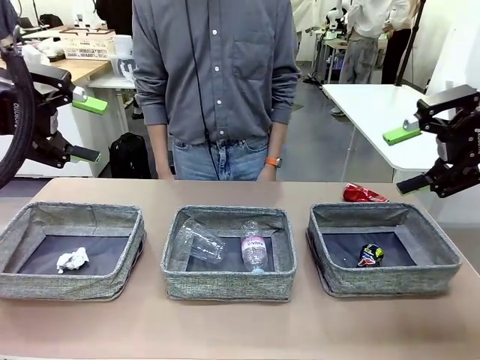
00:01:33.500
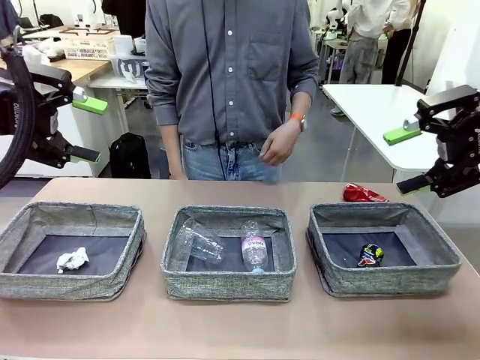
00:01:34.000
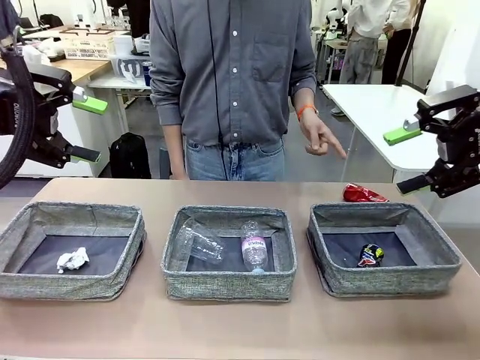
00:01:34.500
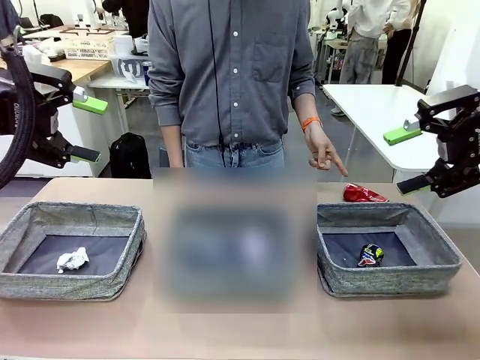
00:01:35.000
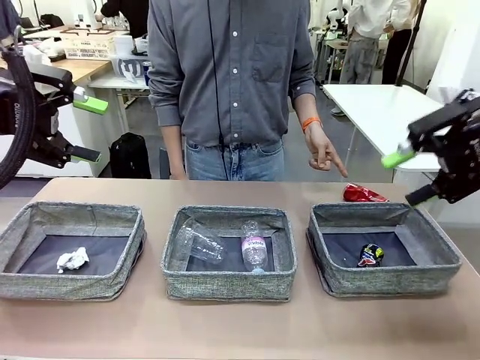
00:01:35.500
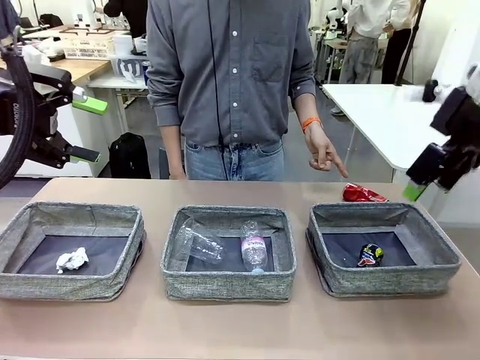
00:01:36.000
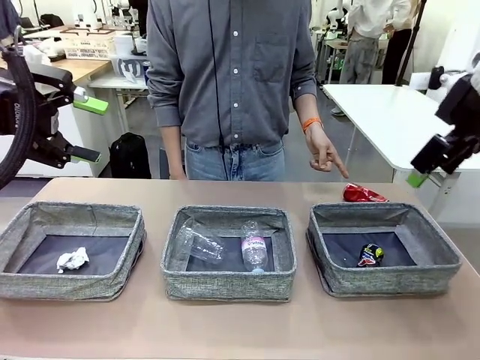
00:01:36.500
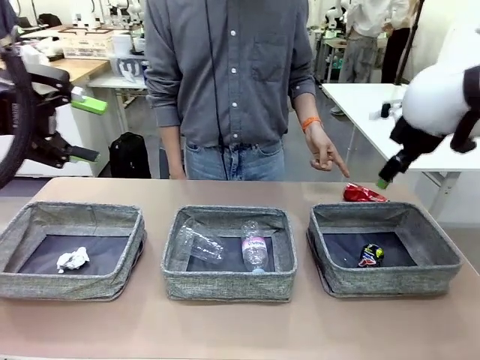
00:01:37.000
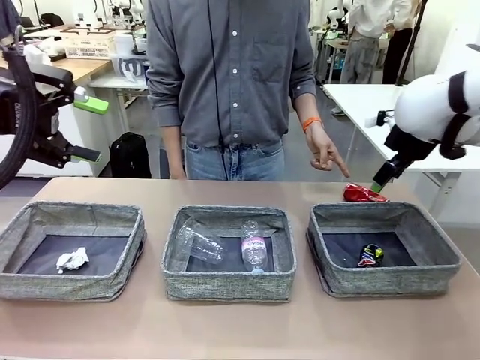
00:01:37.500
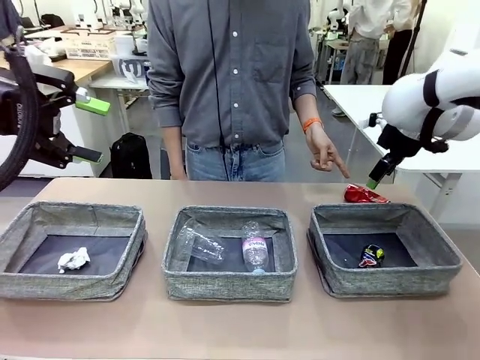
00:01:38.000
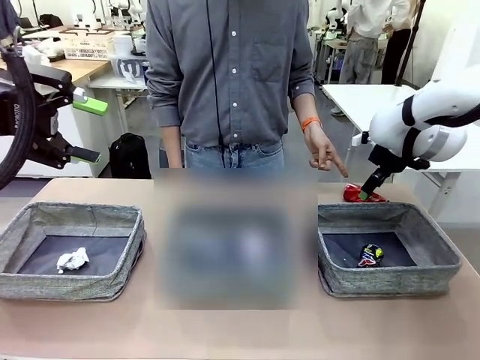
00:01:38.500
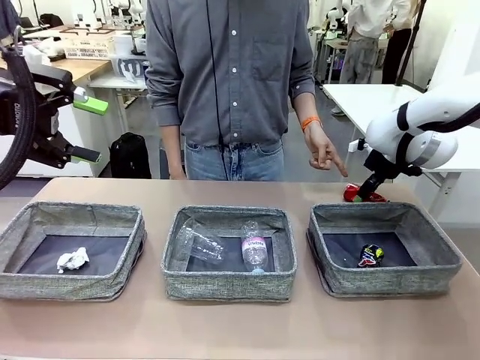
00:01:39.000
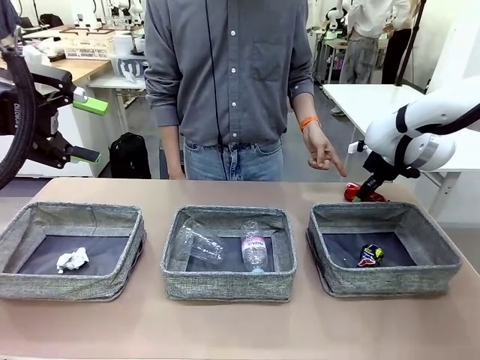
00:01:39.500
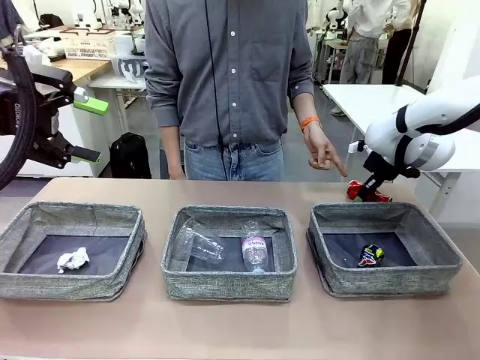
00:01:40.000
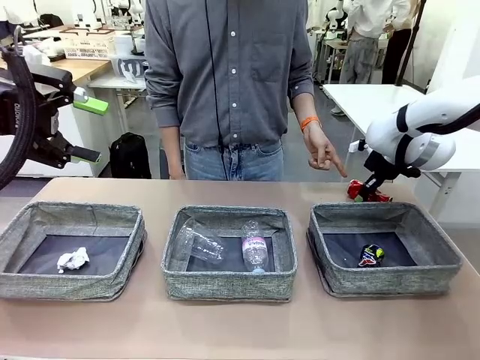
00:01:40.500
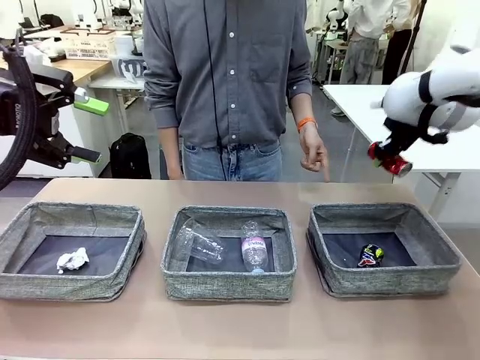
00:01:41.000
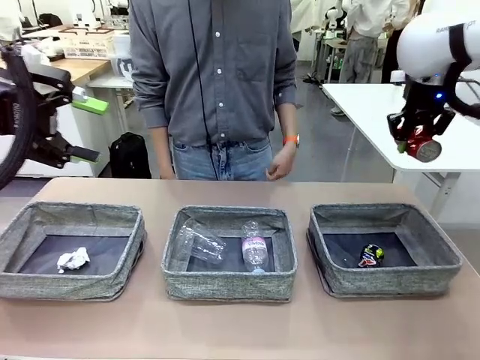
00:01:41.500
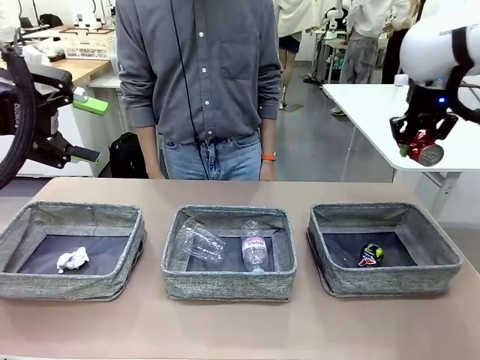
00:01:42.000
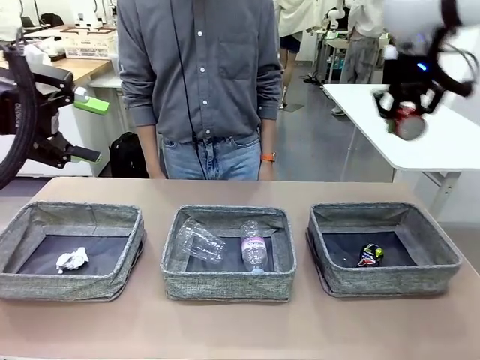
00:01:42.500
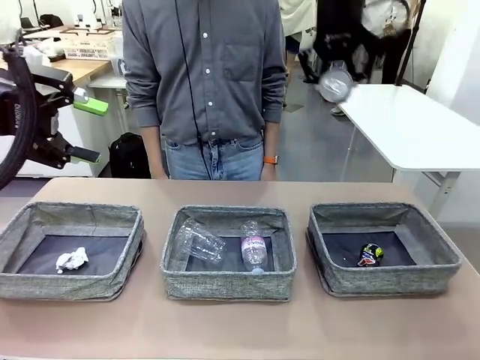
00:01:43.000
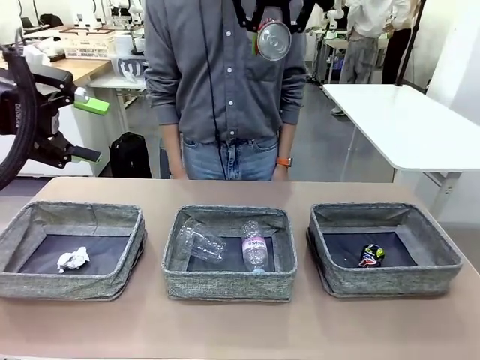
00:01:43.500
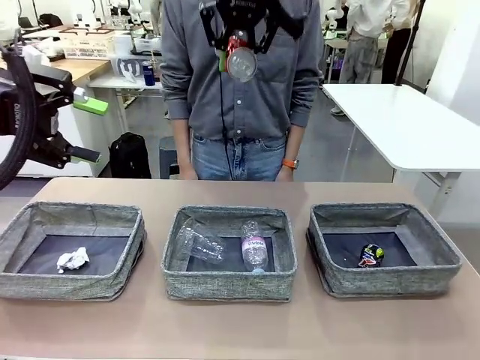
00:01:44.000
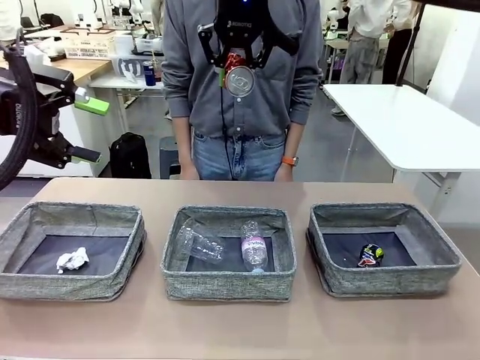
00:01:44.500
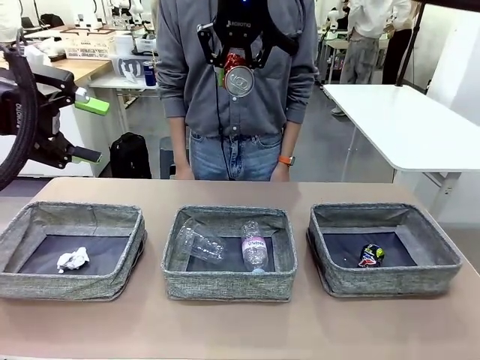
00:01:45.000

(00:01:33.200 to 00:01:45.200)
Task: Sort the waste into the appropriate baskets.
Robot: Pick up the waste item pointed out by the person.
Person: Points to one piece of trash on the table.

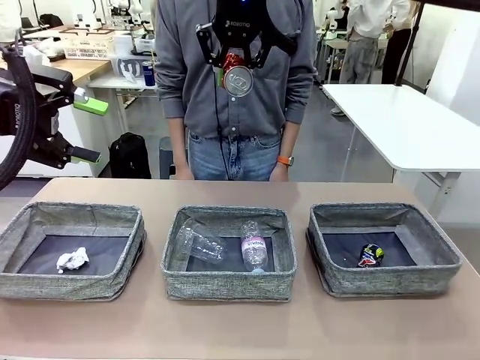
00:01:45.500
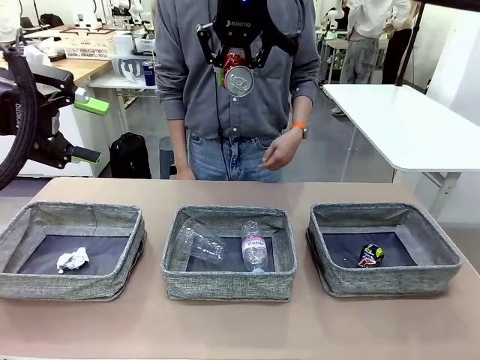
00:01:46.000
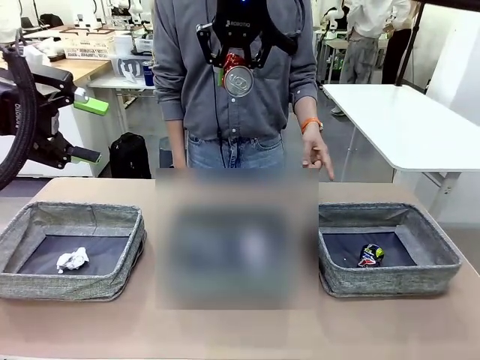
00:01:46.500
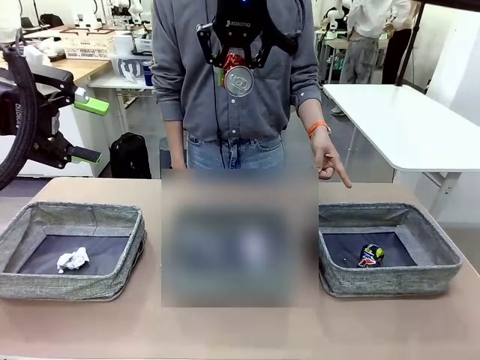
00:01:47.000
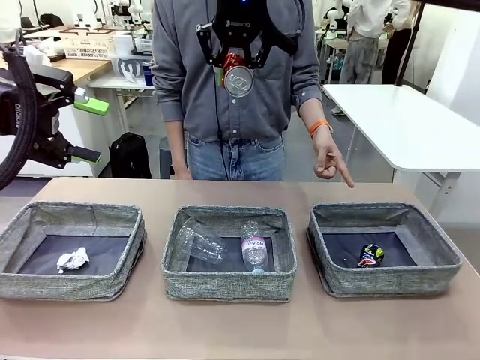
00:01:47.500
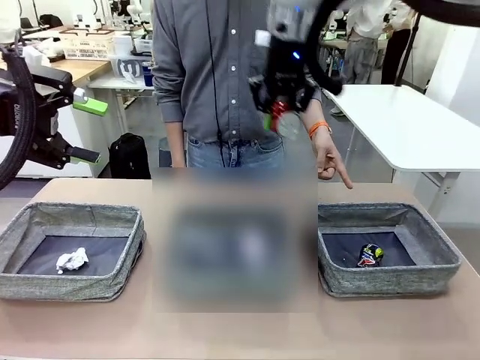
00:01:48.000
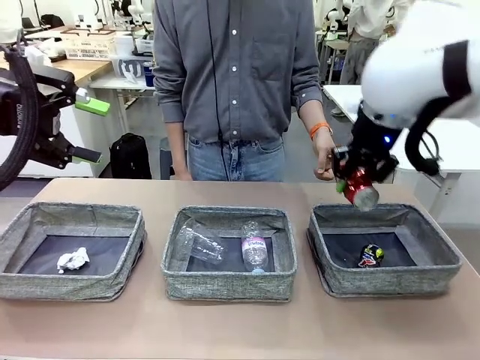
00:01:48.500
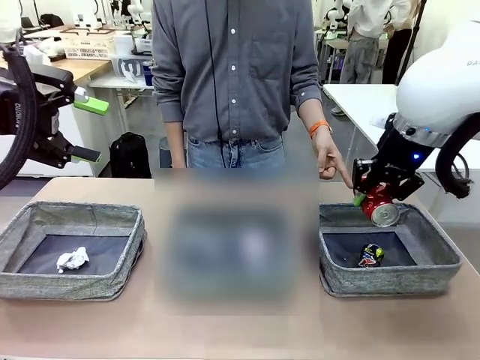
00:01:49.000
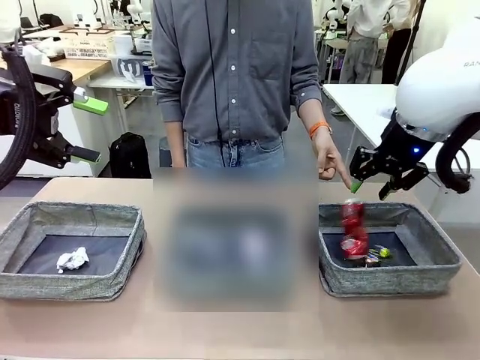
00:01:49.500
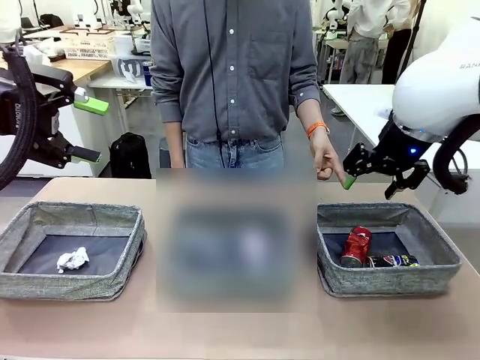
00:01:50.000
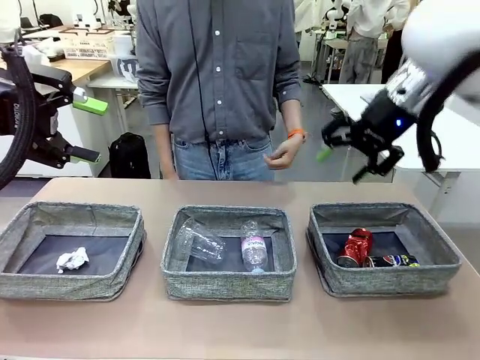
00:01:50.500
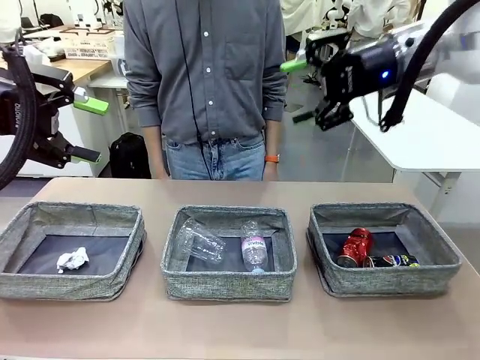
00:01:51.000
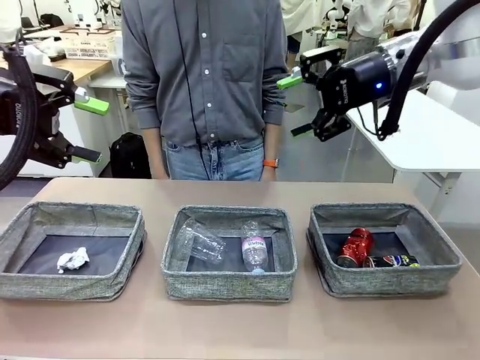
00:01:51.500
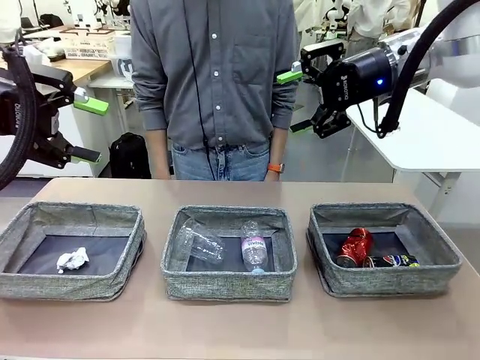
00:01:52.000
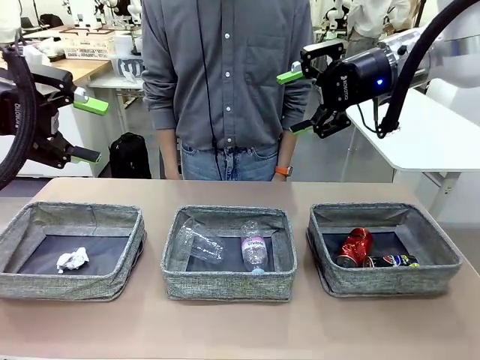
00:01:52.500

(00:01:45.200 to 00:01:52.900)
Robot: Place the picked waste into the Fabric basket indicated by the person.
Person: Instructs the robot to place the picked-up trash into the appropriate organizing basket.

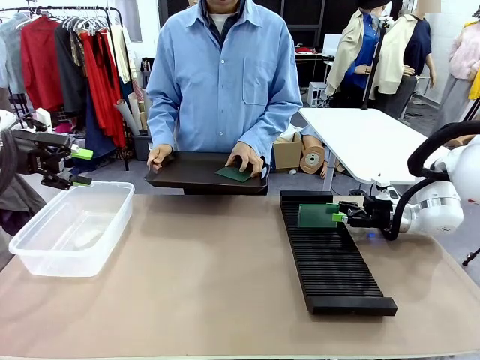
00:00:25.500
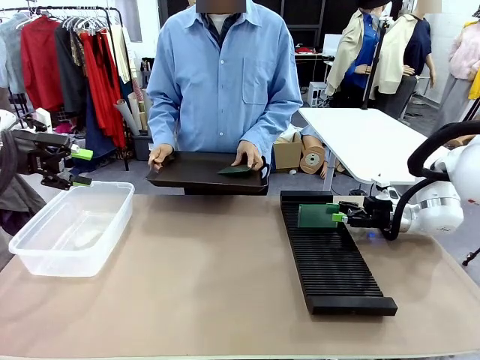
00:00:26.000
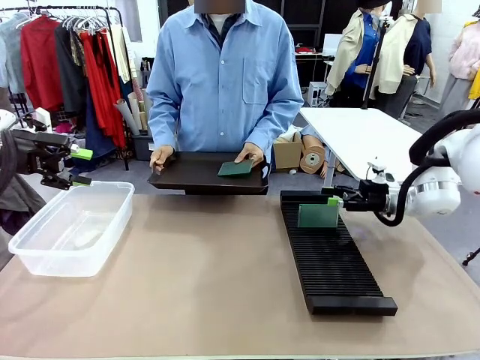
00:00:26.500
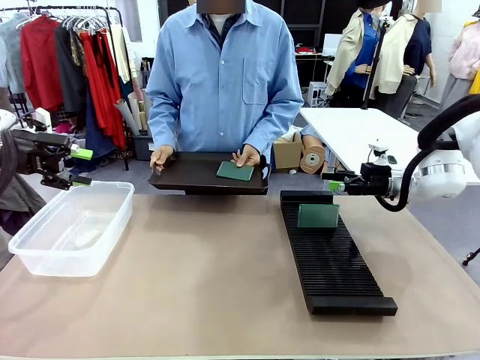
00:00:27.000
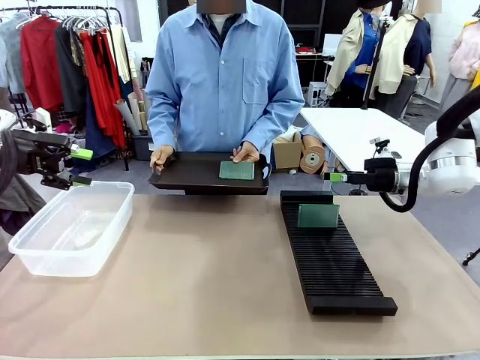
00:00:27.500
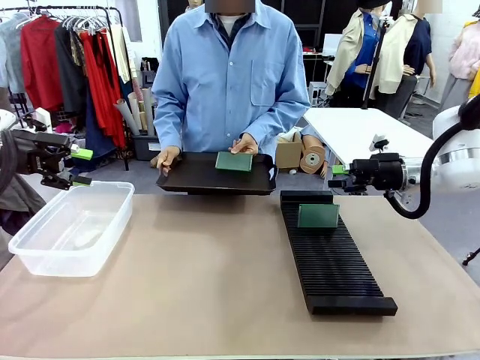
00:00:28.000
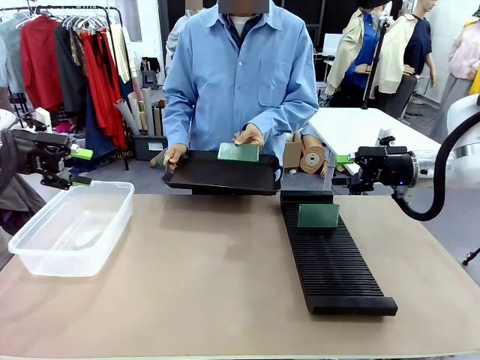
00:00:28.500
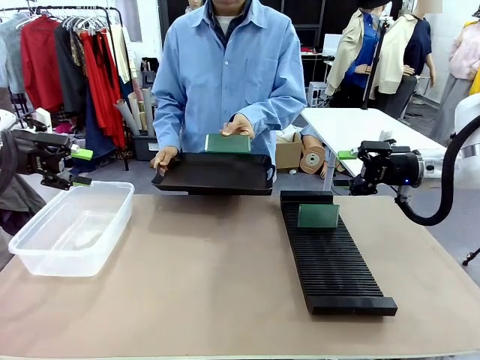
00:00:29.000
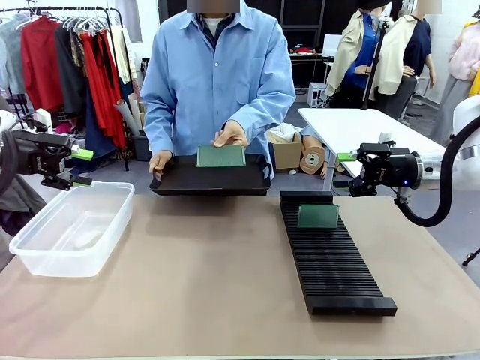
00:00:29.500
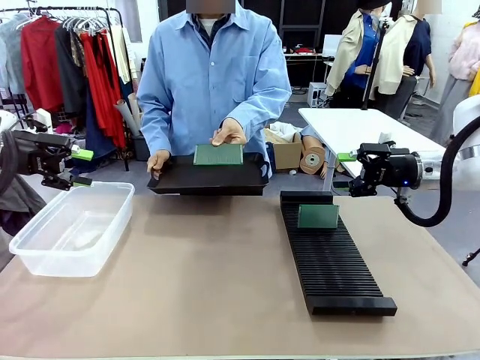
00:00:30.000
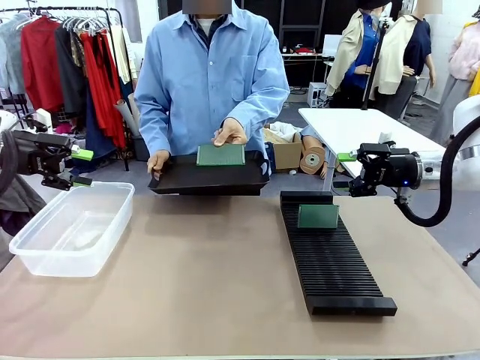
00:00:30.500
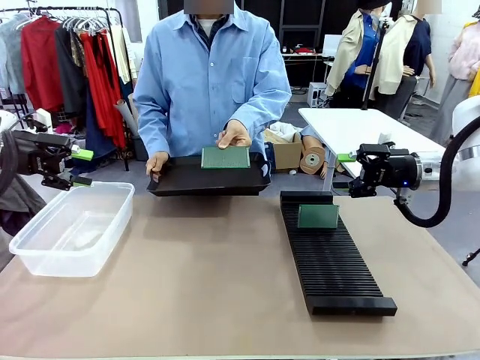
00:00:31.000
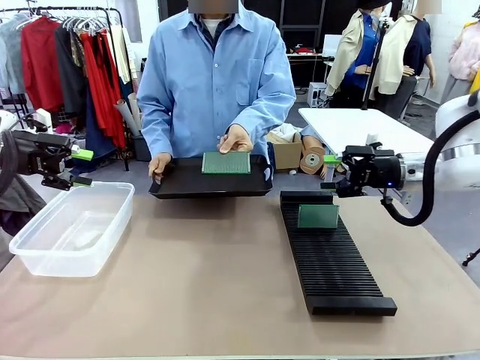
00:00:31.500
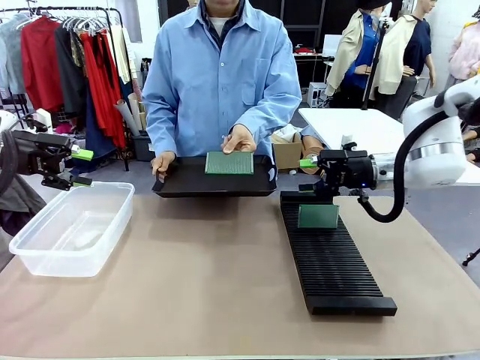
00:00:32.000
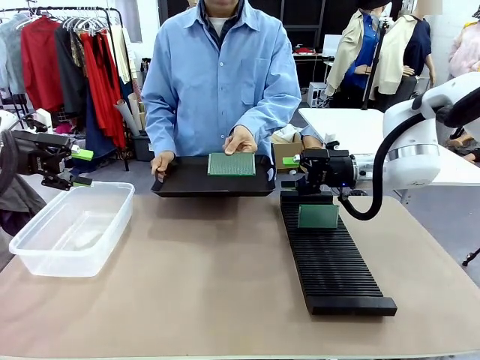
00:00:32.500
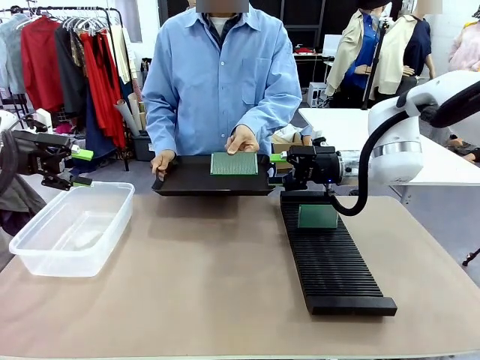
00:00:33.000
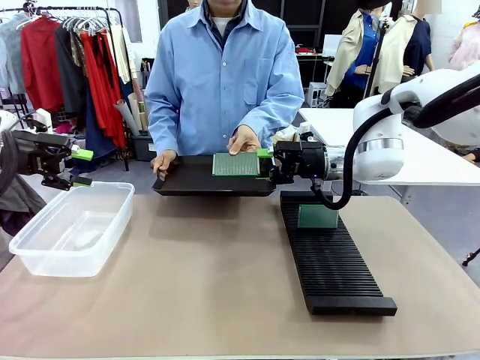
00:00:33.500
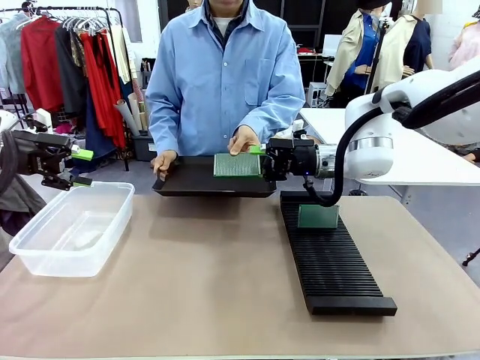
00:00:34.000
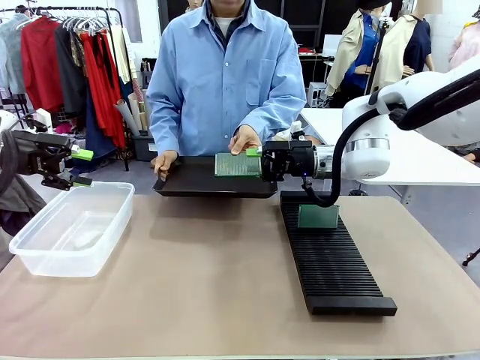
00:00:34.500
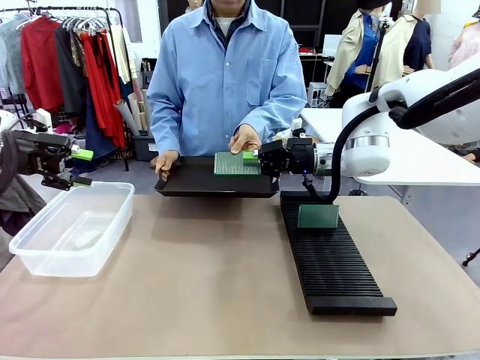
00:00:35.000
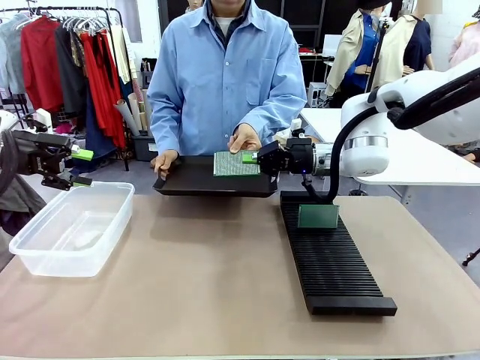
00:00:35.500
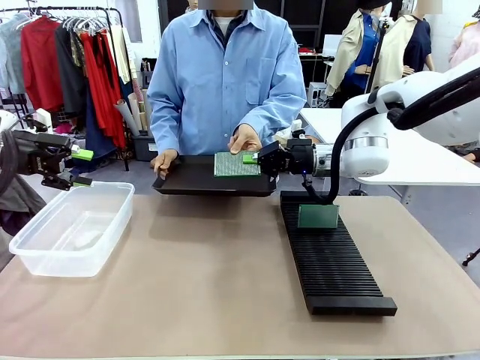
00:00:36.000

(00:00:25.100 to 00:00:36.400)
Task: Sort PCBs into racks and boxes based on the side picked up.
Robot: Pick up the Blank PCB handed by the Human.
